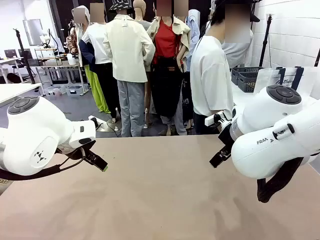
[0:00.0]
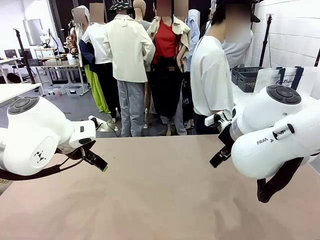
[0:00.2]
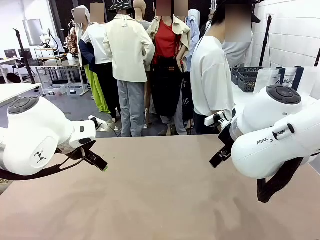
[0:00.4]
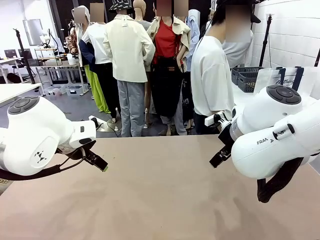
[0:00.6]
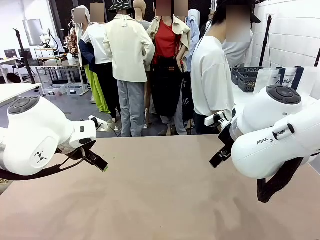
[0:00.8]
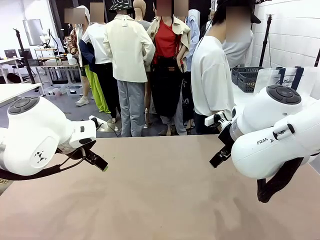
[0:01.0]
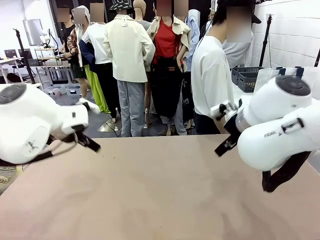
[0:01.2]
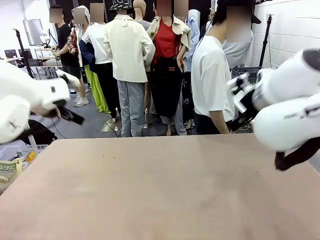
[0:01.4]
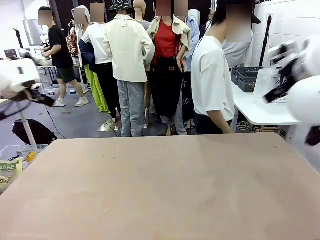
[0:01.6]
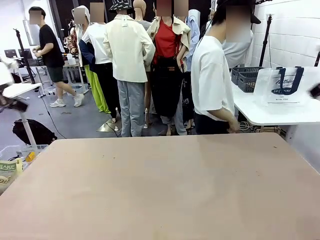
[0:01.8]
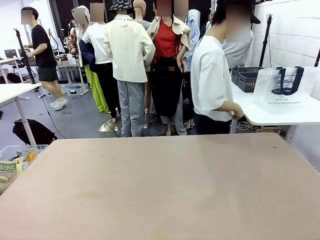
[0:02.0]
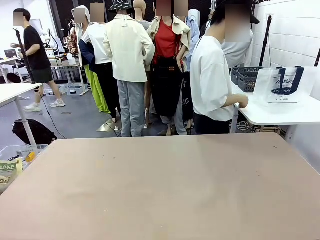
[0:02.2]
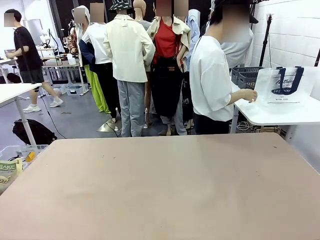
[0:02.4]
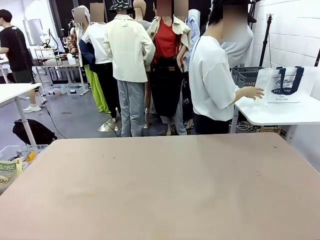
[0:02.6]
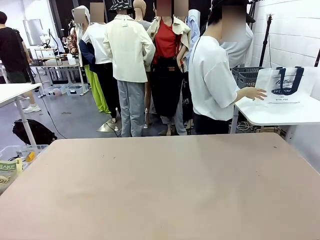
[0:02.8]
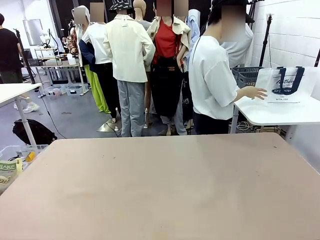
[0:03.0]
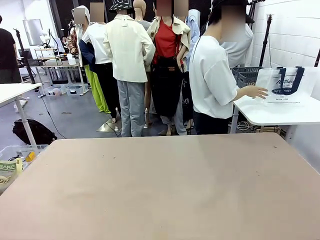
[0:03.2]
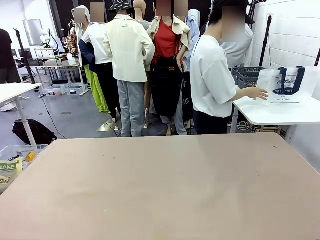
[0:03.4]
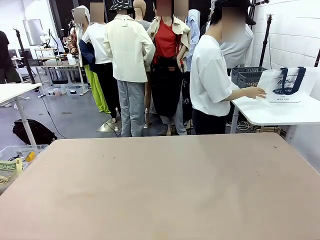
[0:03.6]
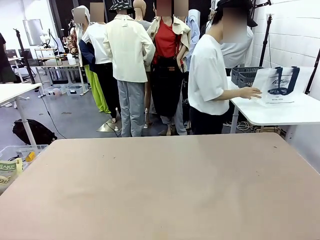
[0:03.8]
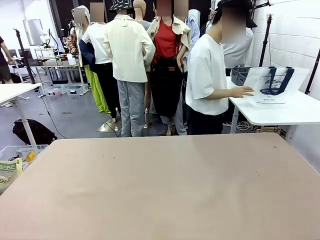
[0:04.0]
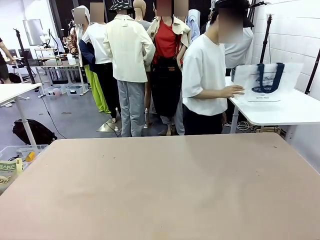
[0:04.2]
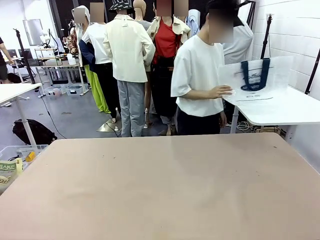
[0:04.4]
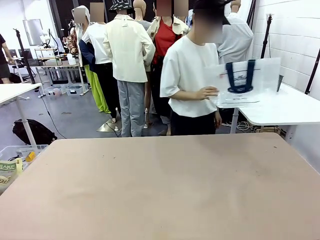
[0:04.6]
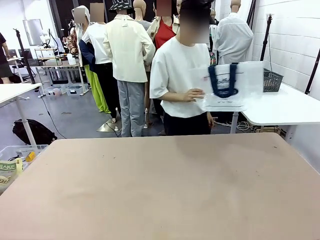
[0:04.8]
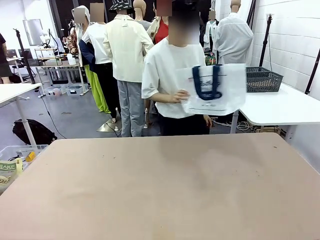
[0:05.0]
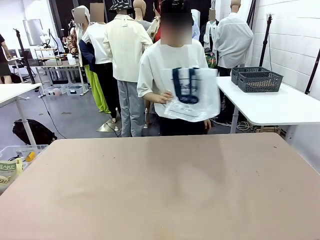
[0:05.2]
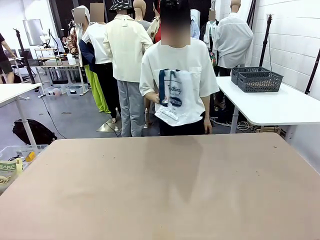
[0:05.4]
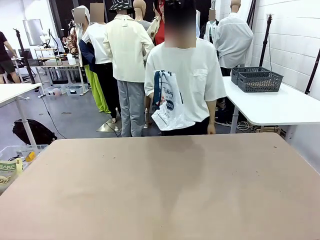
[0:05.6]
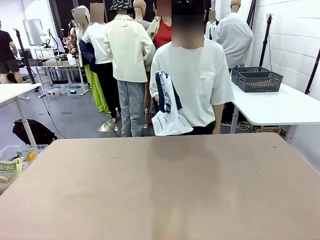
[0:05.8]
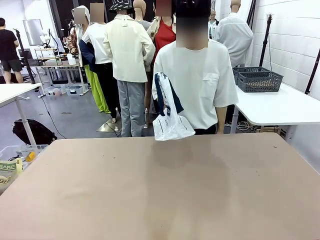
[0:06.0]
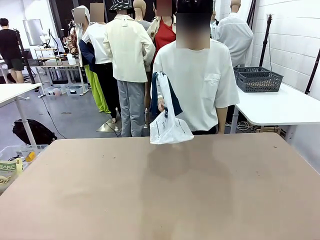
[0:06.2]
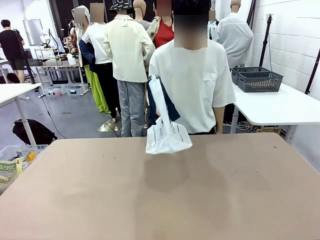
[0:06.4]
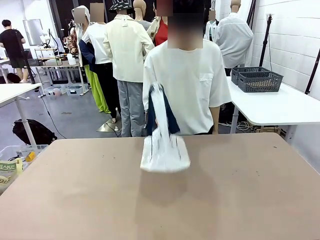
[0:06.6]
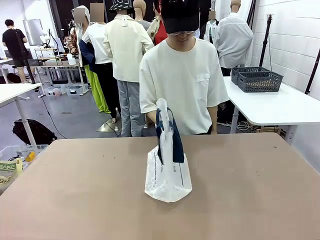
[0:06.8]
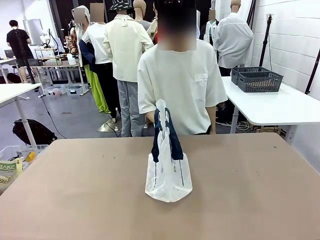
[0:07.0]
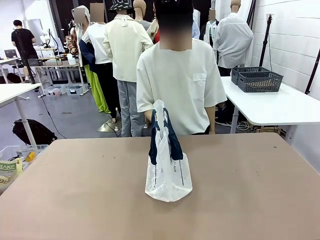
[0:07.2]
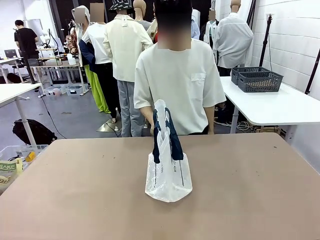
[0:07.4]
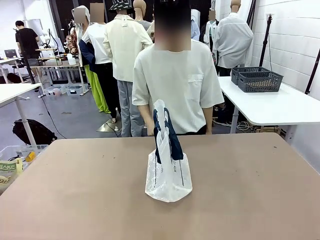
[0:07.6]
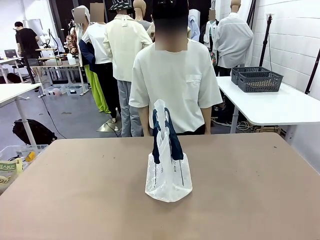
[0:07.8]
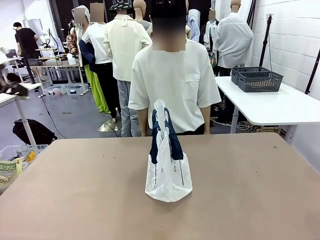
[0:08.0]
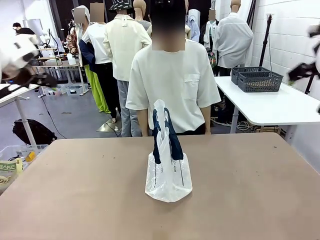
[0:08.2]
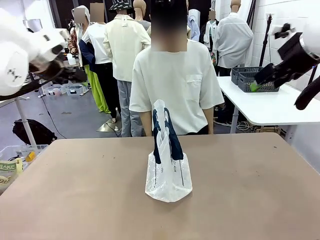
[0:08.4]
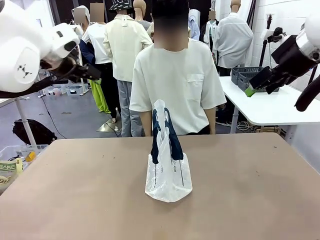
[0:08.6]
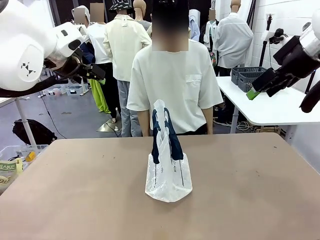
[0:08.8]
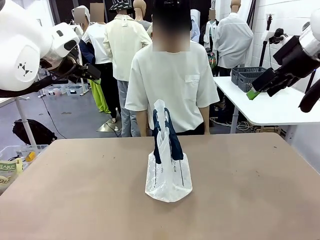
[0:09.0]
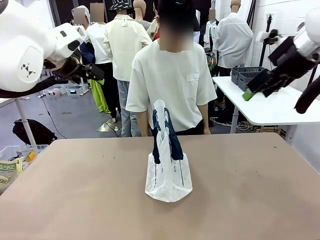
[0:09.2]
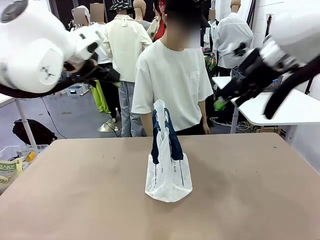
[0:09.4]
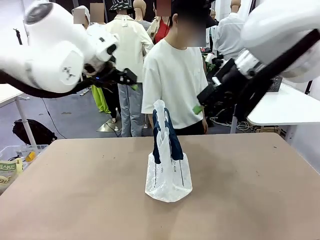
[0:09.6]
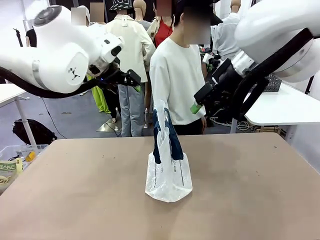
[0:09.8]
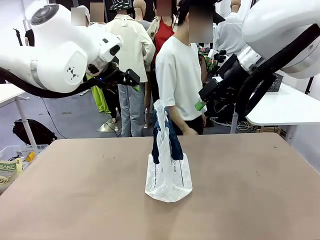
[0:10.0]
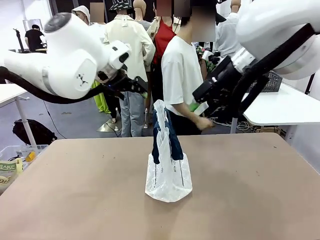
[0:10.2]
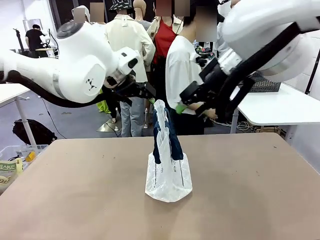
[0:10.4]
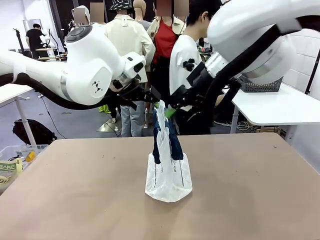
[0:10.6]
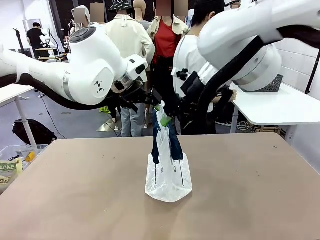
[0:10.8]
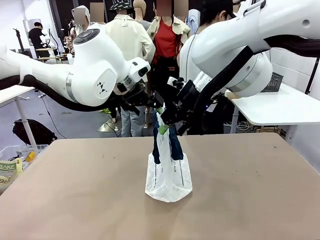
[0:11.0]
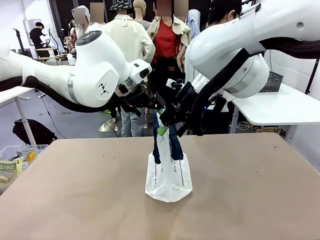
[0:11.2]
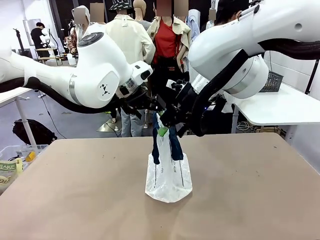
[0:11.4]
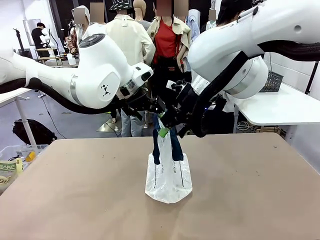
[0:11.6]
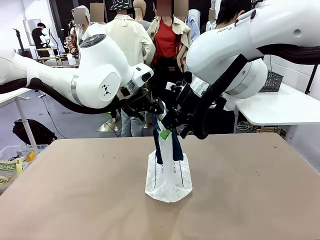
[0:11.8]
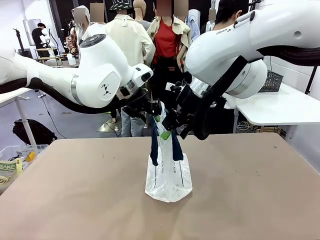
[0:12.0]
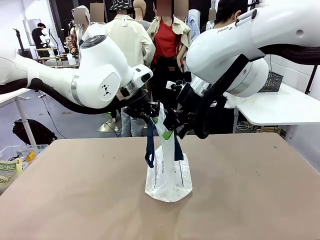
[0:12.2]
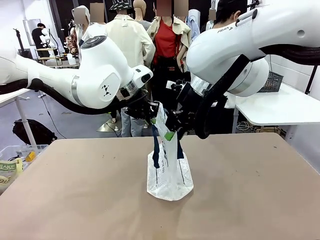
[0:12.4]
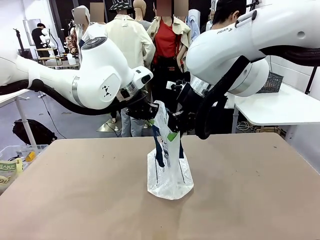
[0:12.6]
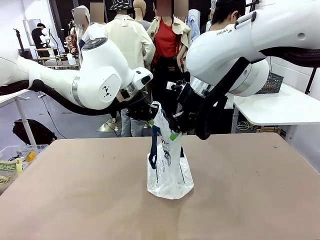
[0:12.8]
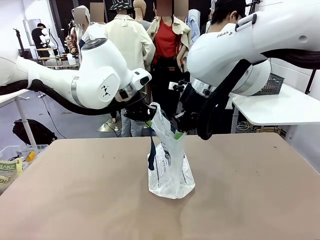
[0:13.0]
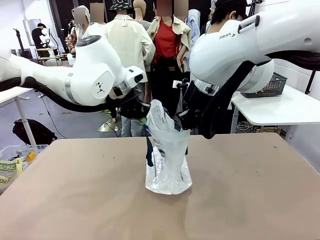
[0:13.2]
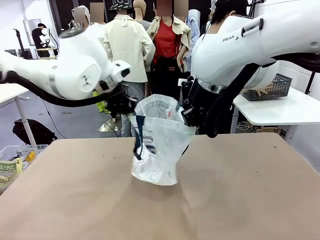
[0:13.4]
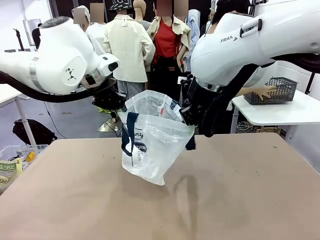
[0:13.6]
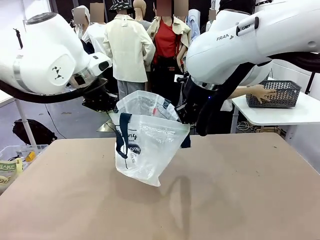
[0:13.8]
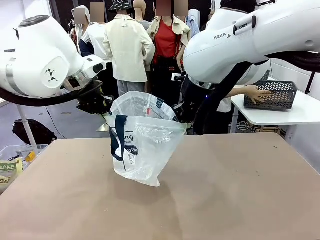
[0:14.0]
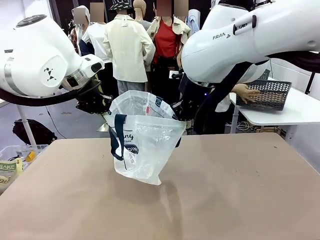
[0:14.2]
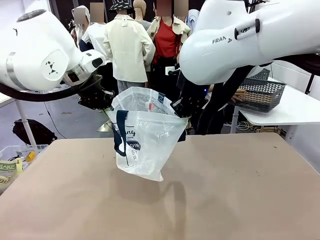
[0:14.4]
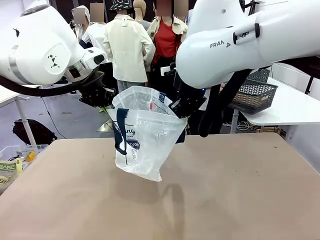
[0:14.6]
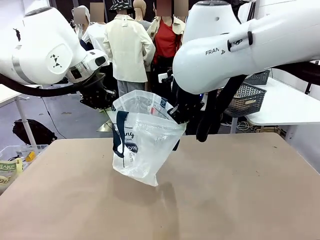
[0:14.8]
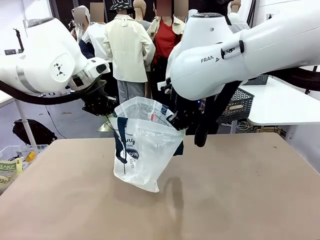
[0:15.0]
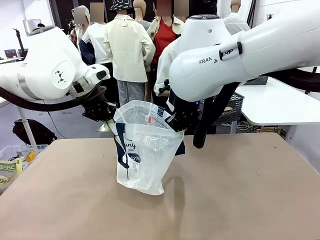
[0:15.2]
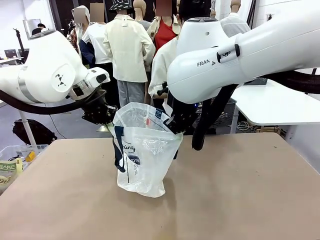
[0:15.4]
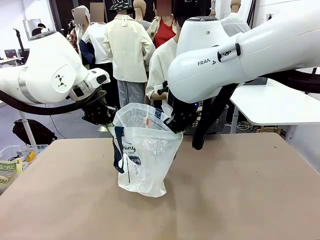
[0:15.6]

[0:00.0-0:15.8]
Task: Transfer purchased items from the store into the shopping bag.
Robot: Open the Reusable shopping bag in the center of the table.
Person: Pick up the shopping bag and place it in the middle of the robot table. Pick up the basket on the right, place it on the left side of the robot table, and move the items in the basket to the shopping bag.

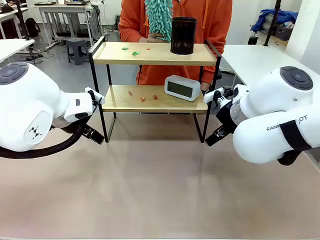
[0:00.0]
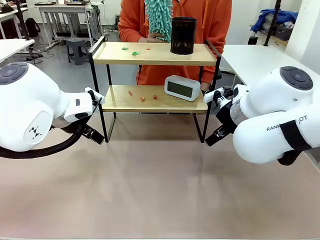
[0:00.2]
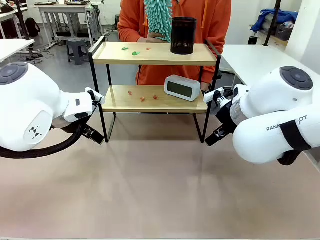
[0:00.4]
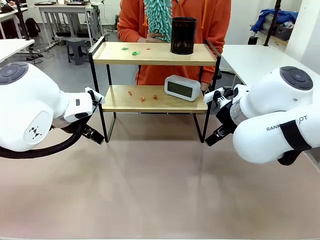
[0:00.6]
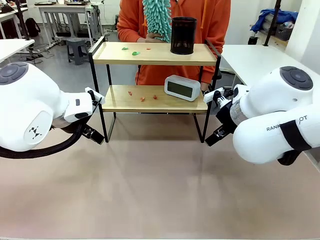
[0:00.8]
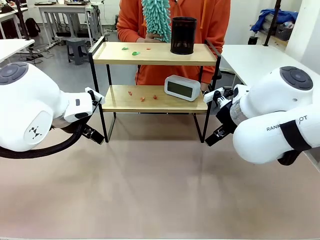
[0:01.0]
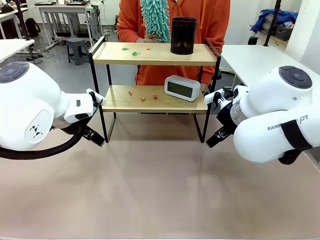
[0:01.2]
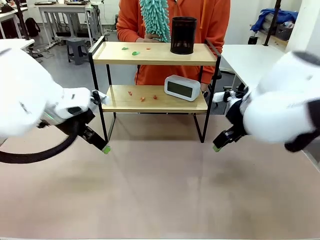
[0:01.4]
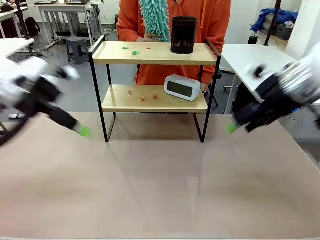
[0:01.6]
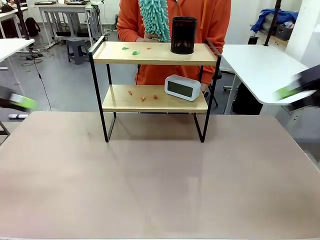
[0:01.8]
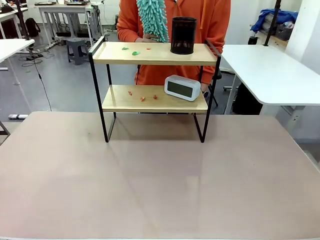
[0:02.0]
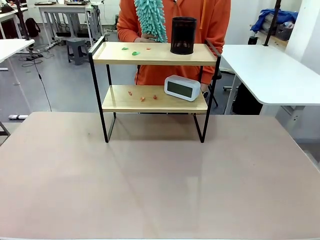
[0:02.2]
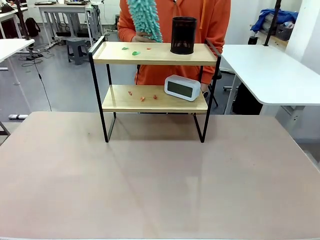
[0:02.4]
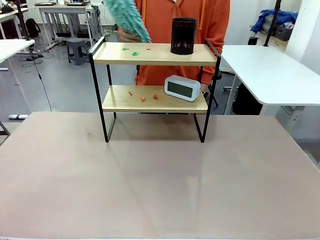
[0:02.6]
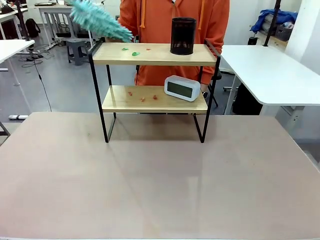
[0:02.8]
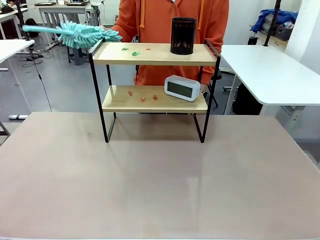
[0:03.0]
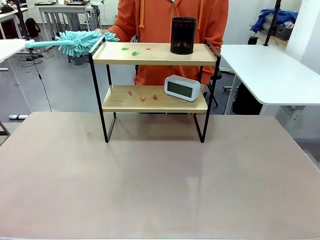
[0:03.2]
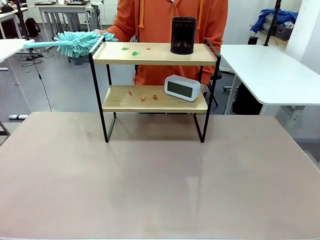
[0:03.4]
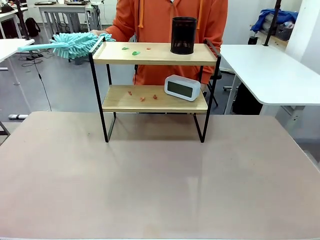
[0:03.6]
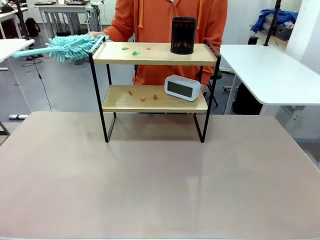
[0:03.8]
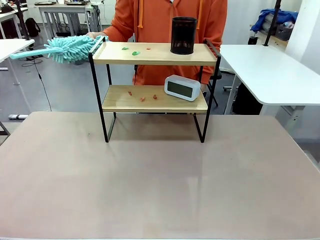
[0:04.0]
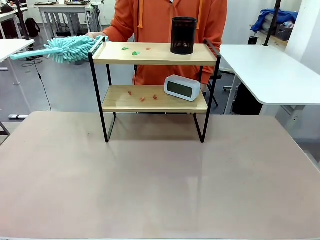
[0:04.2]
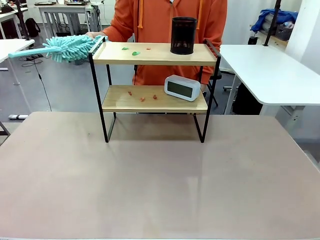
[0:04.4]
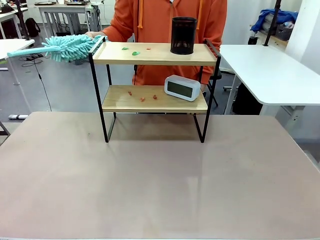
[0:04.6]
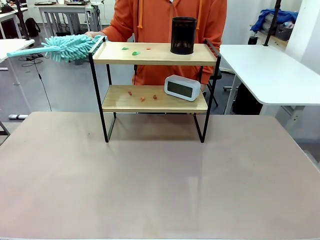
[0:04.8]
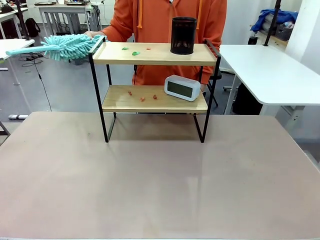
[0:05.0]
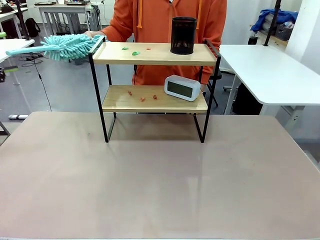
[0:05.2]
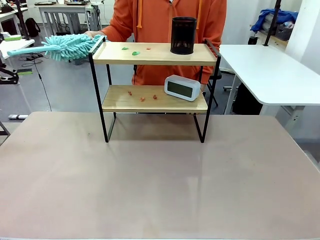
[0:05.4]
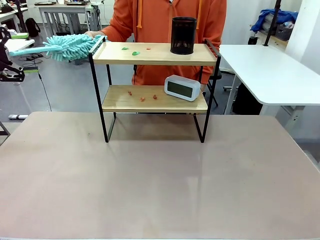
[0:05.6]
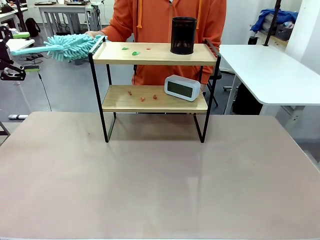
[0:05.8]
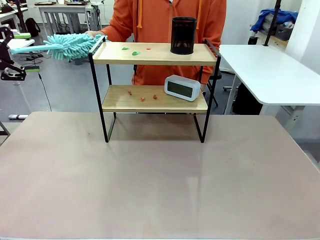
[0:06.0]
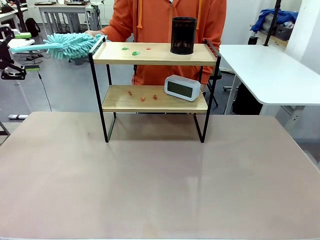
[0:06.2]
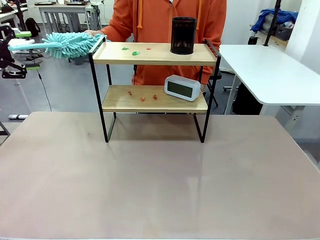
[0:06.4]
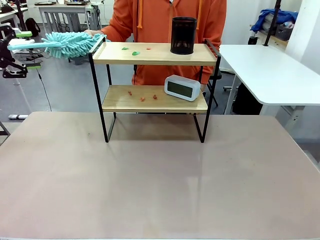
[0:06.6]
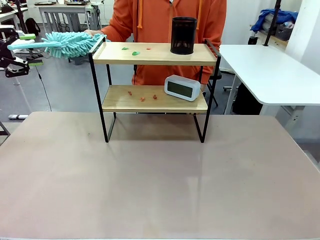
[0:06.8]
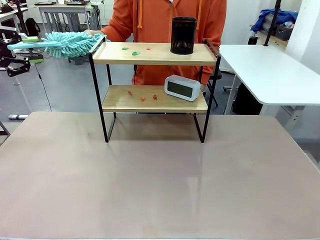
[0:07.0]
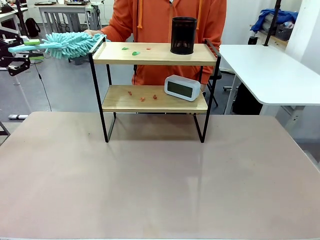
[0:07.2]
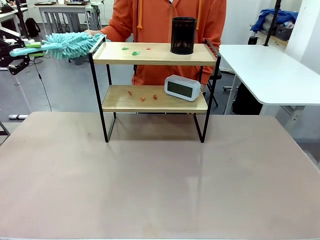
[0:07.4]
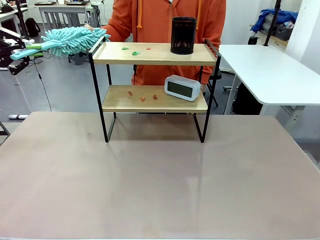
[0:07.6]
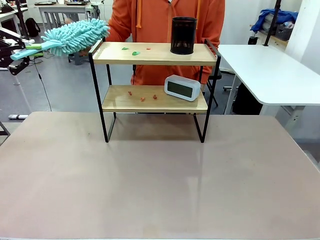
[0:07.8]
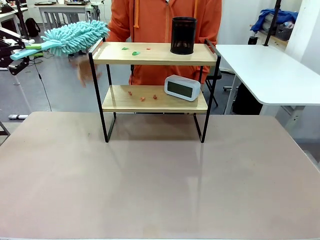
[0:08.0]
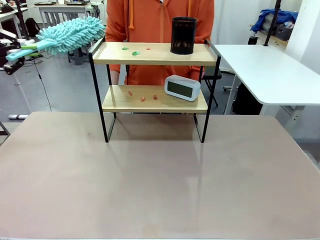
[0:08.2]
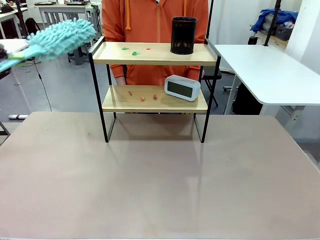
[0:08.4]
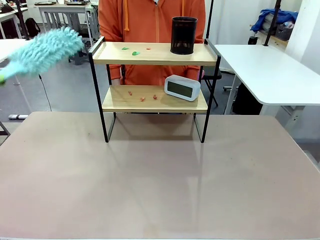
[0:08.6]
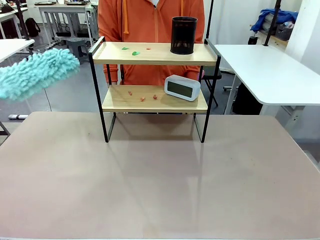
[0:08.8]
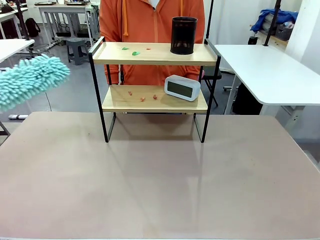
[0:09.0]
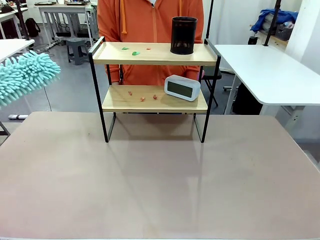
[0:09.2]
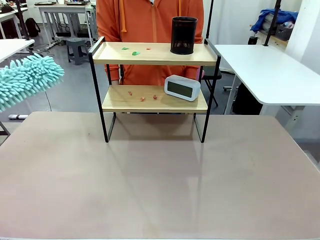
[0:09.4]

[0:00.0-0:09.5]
Task: Clean the shelf.
Robot: Pick up the Duster from the human.
Person: Hand the Duster to the robot.
